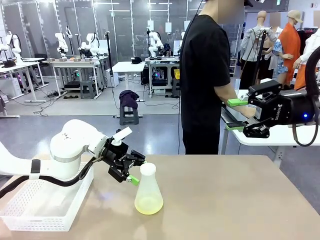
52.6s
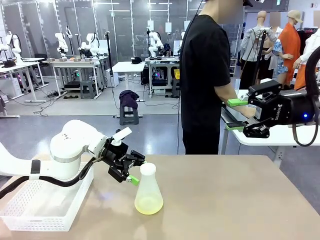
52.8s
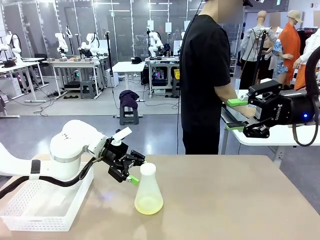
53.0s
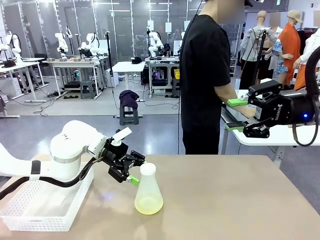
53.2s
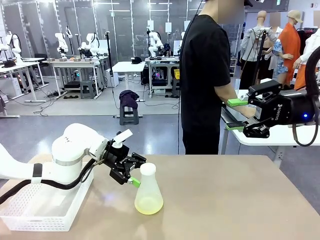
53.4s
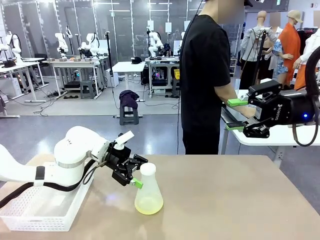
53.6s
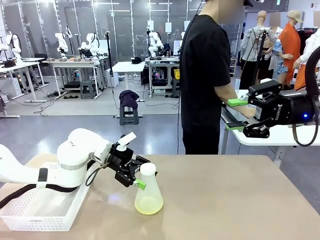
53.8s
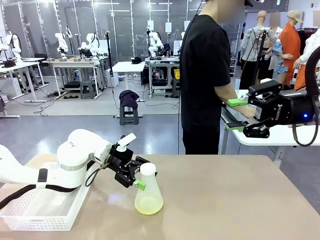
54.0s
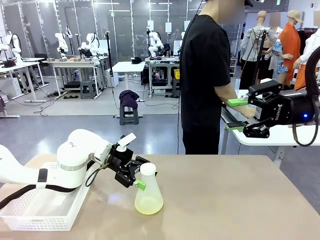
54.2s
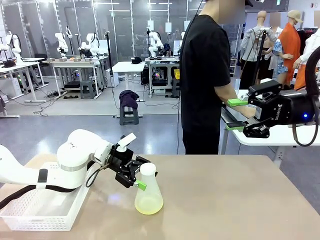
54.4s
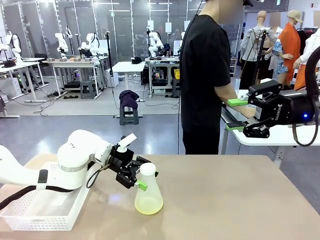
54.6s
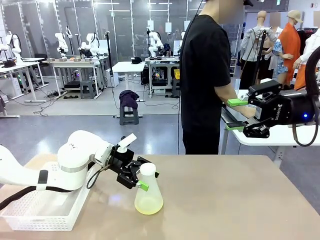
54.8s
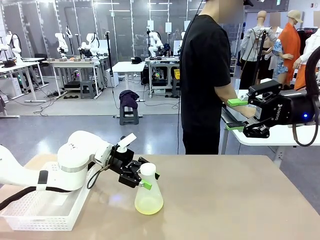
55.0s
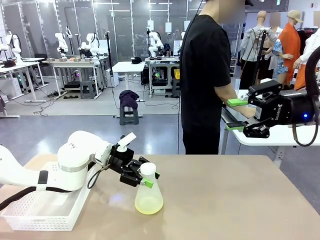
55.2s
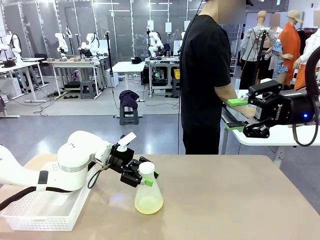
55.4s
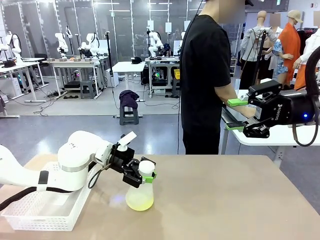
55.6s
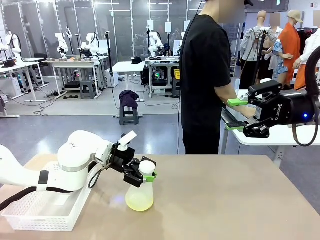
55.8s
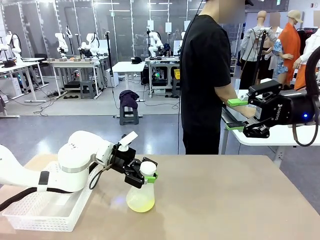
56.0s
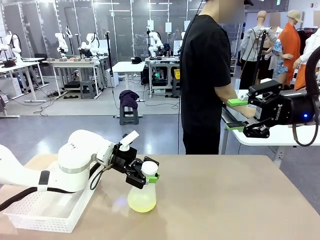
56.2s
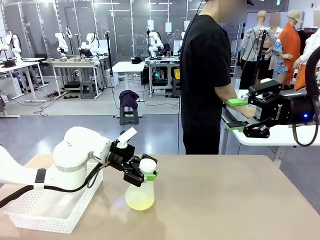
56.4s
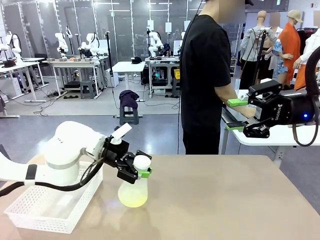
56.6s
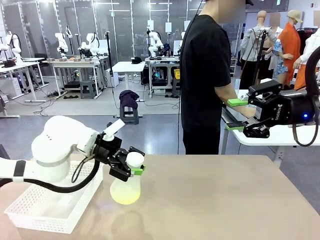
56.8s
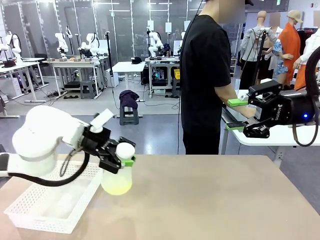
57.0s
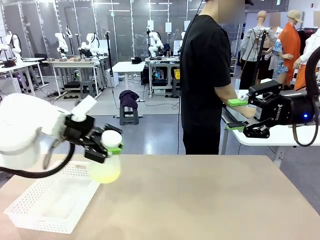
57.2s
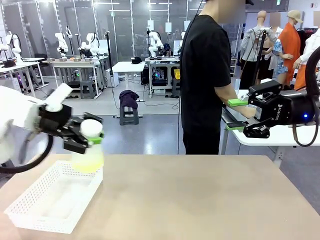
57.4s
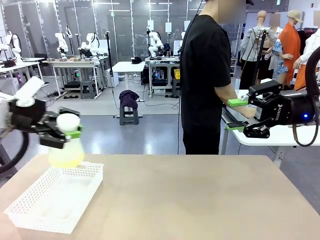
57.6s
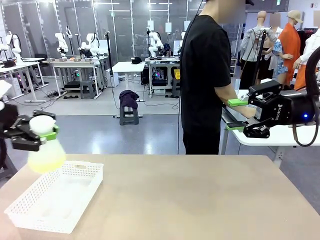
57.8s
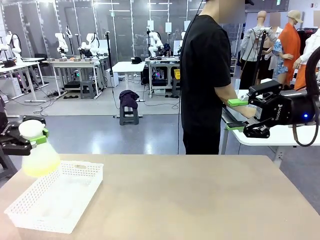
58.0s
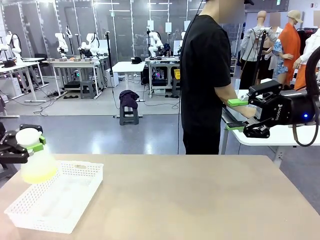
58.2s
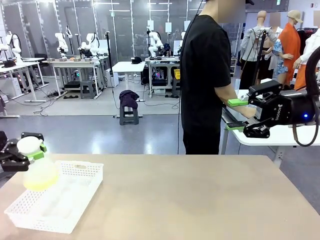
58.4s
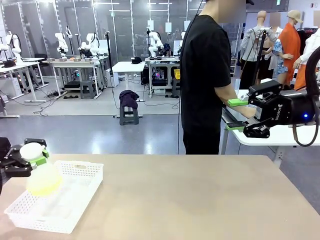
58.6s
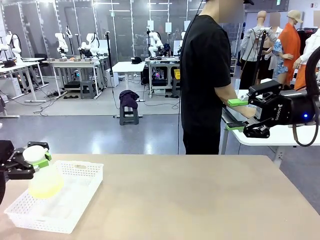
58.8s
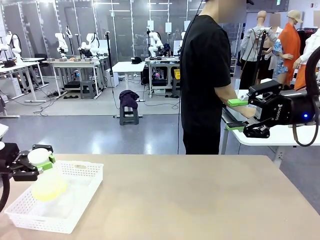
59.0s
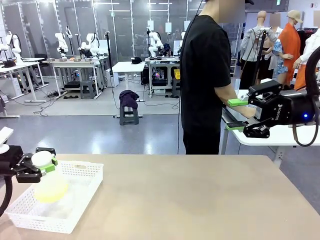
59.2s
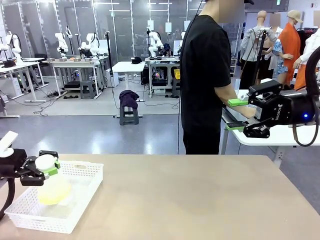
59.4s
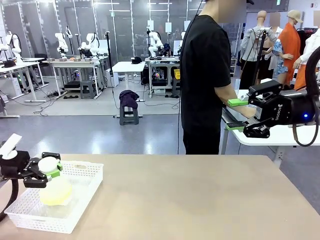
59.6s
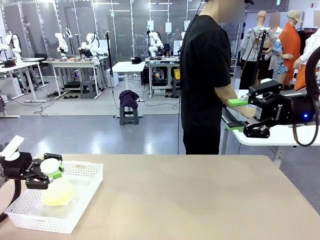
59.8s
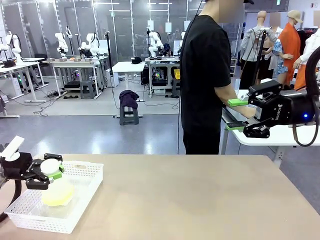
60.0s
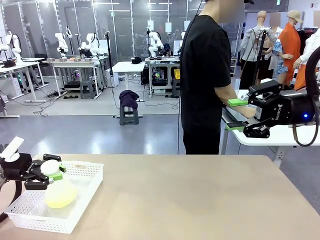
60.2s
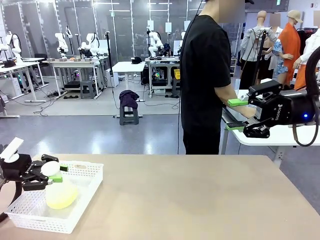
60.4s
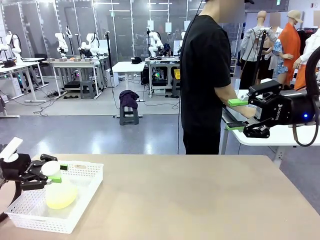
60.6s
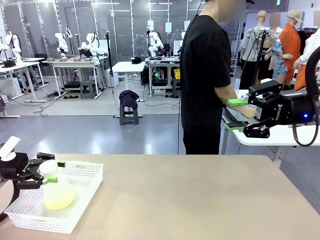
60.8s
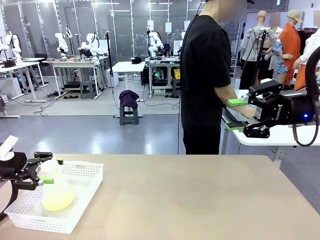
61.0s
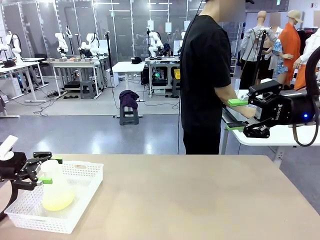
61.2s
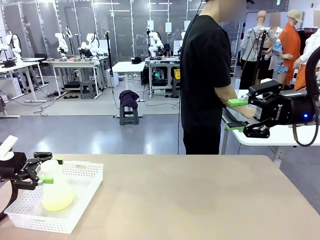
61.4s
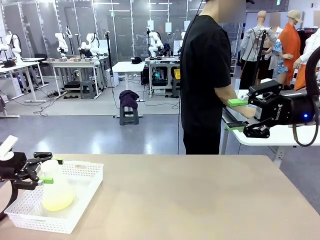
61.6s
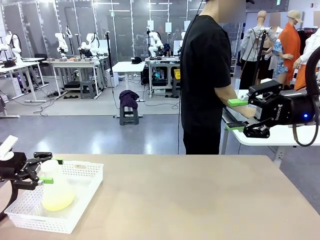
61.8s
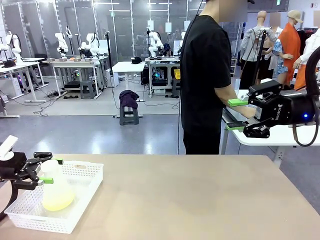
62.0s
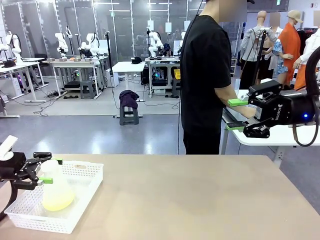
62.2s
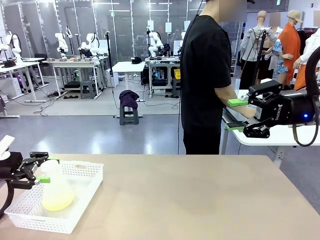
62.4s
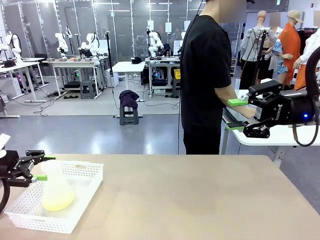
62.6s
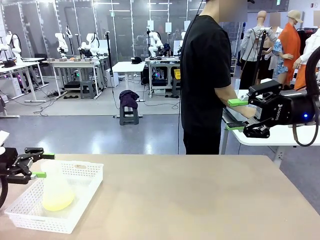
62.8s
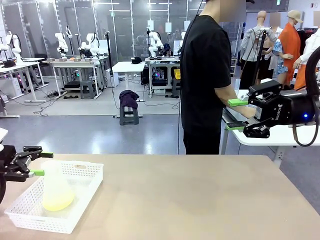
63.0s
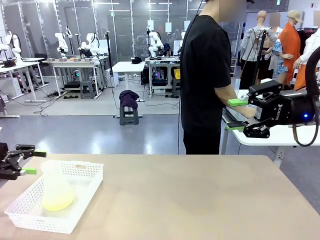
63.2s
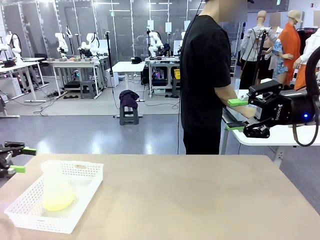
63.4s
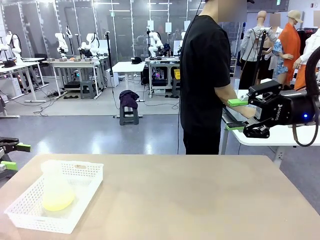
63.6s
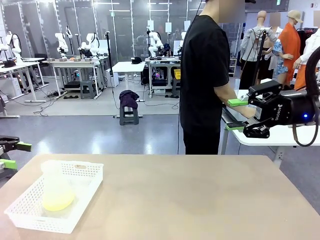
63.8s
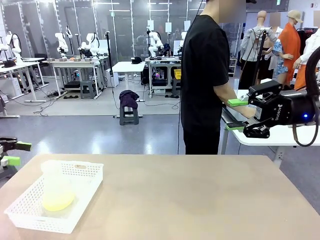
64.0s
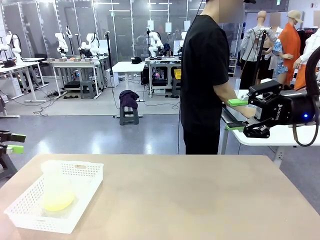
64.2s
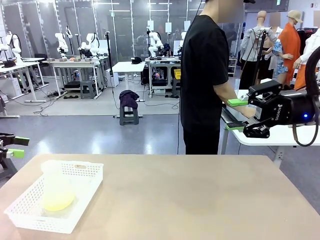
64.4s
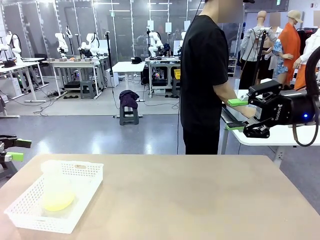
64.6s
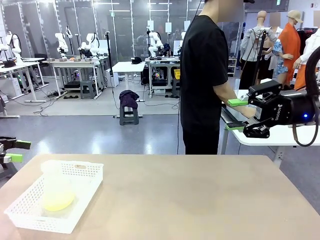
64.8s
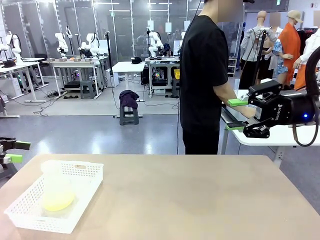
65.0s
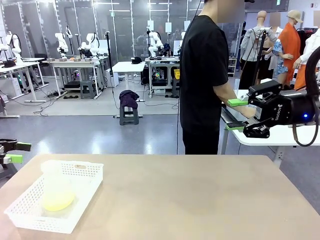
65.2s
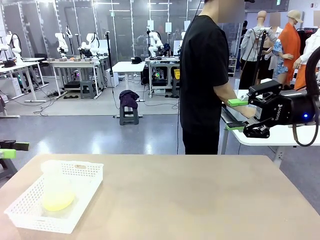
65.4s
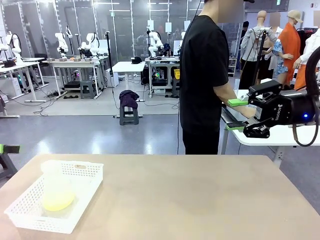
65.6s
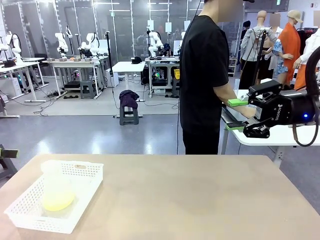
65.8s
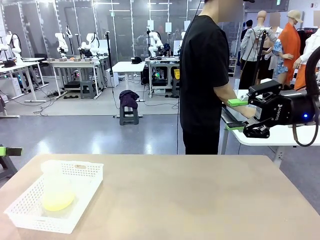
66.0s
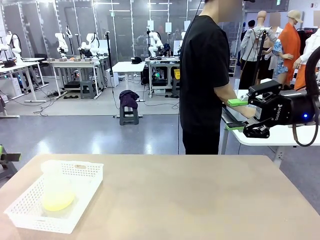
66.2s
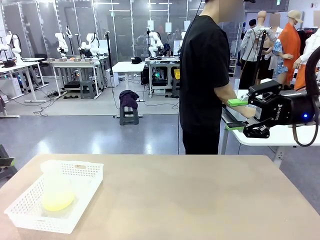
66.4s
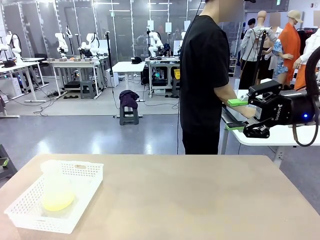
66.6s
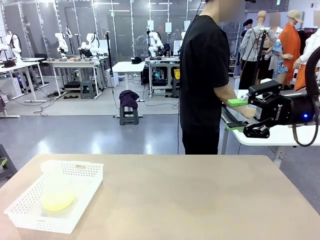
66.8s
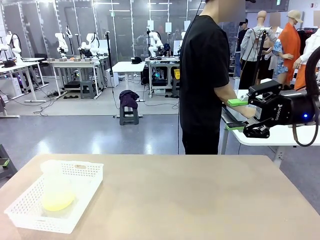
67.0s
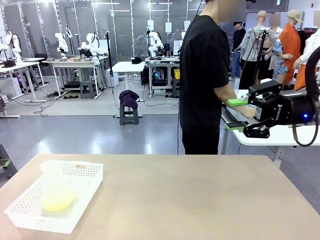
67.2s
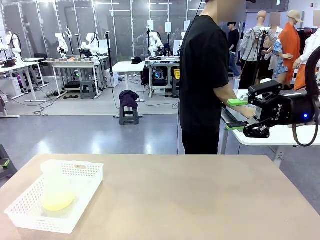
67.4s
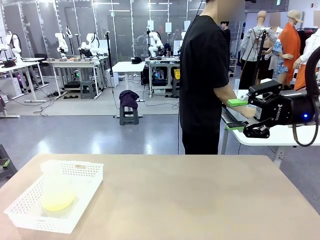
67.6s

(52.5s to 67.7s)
Task: Prepare the solutions needed for the experiment.
Robot: When the human places the Big flask in the center of the table, pick up the Big flask and place it in the left Organizing basket.
Person: Pick up the organizing basket on the left side of the robot table and place it on the left side of the human table.

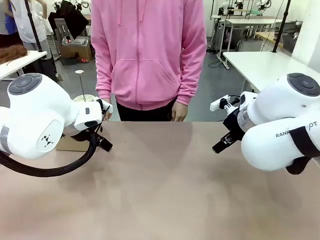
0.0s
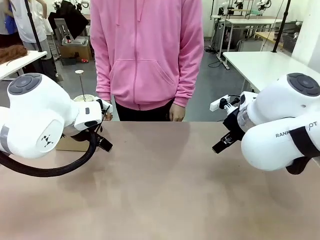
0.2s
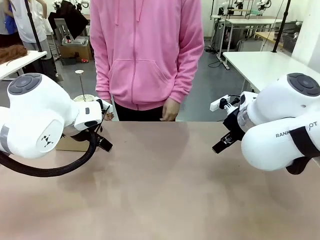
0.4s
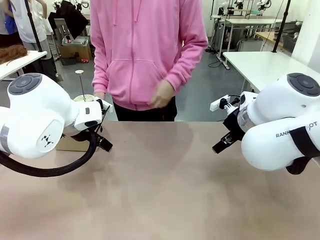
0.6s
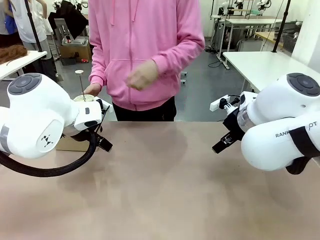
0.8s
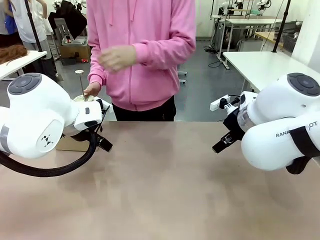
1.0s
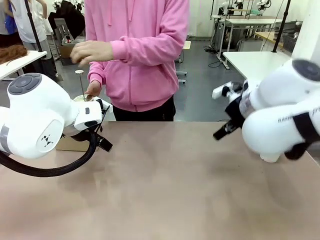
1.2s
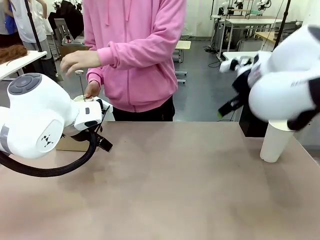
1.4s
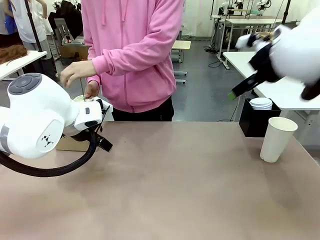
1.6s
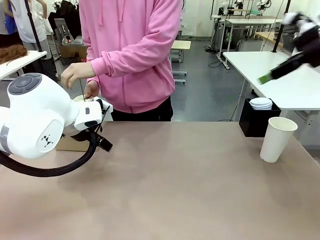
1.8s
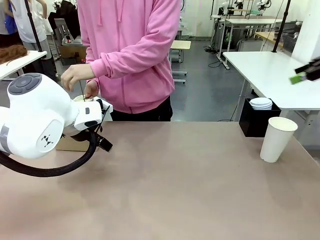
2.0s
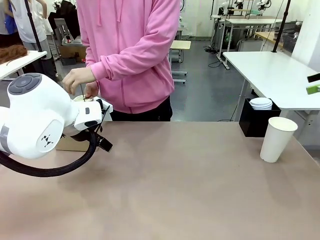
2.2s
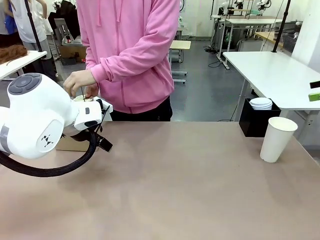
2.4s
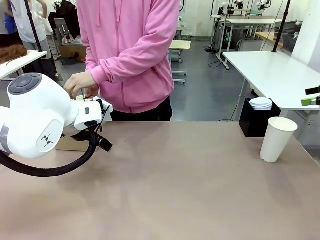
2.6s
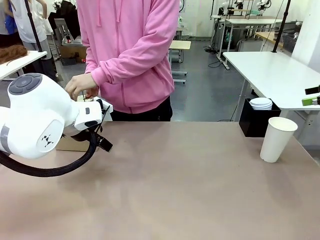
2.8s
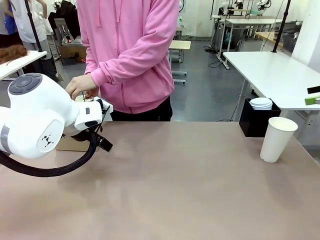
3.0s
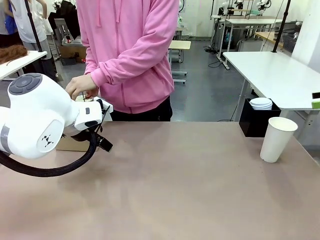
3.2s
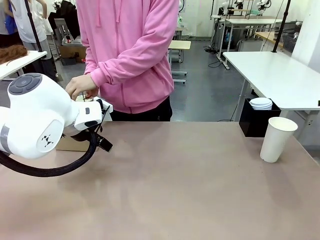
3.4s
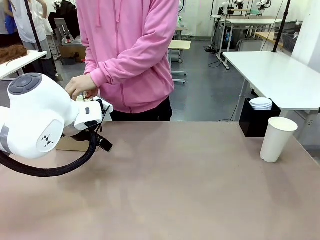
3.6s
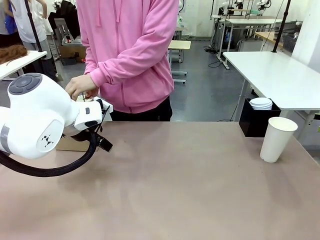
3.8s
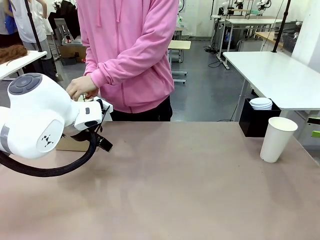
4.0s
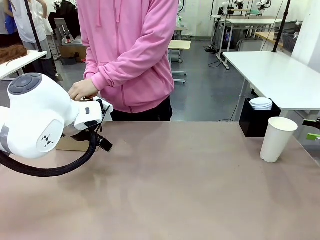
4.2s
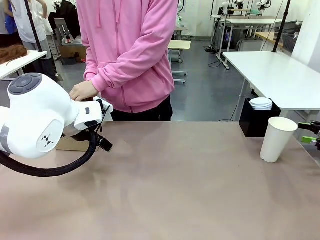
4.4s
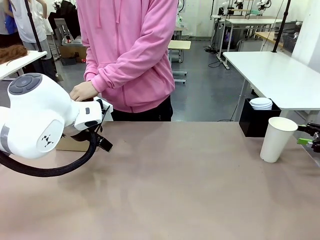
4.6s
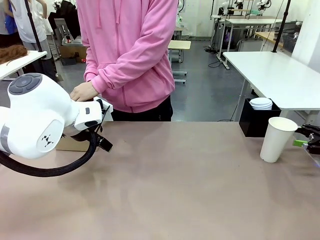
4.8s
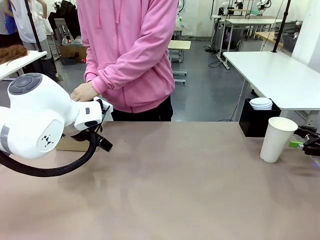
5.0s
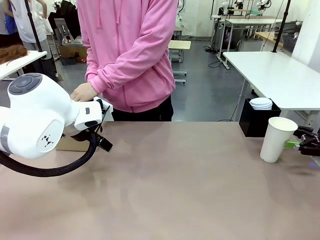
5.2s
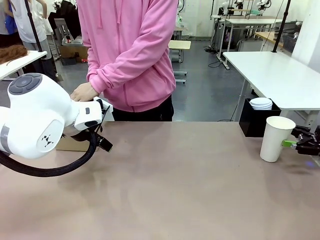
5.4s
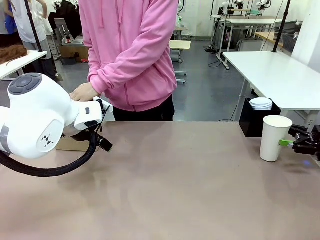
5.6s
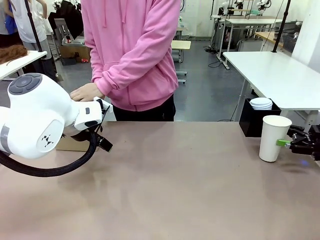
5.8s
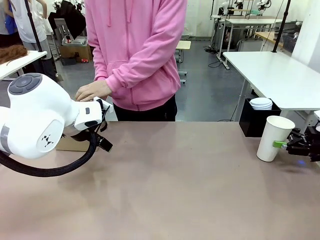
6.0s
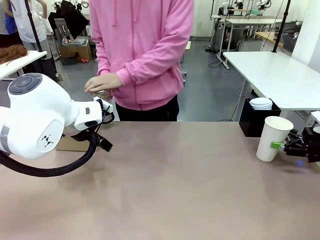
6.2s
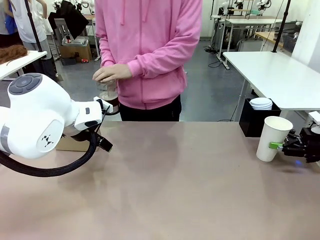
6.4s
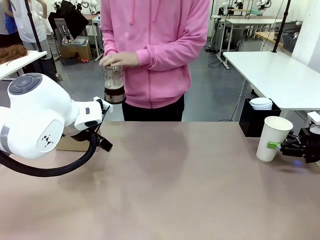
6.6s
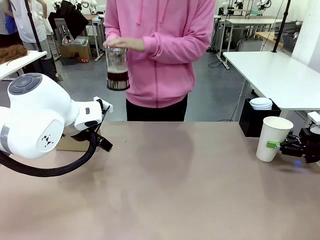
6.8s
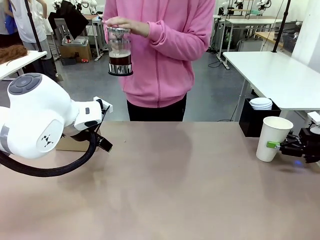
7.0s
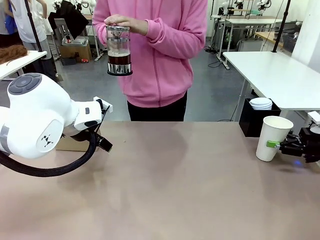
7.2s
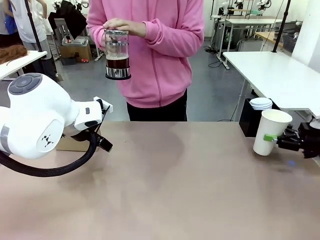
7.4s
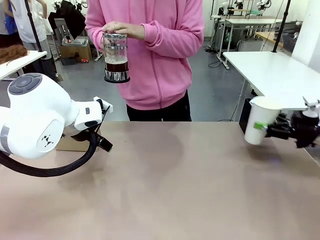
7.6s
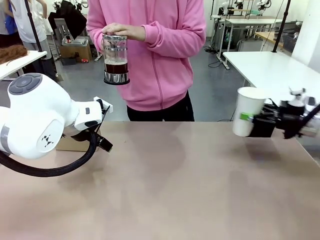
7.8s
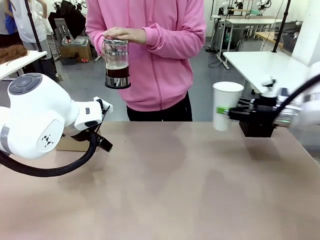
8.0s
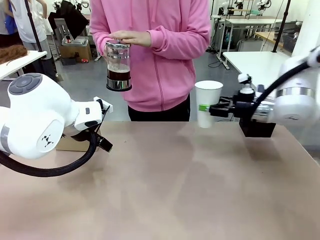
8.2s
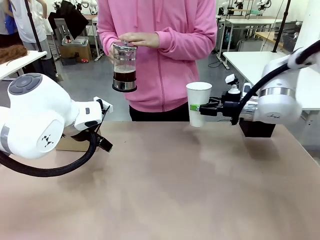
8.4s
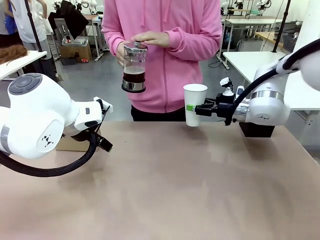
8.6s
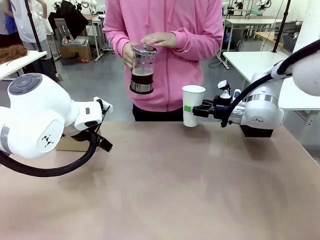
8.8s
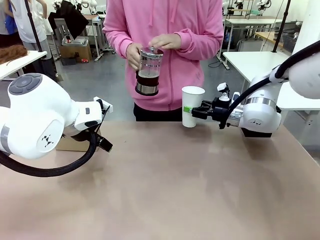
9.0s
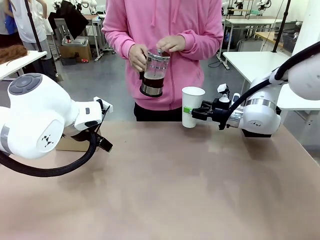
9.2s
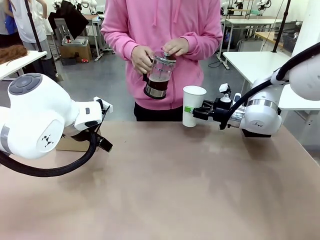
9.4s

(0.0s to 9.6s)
Task: Pour a drink into a cup and package it in a carrier.
Robot: Pick up the 600 ml Paper Cup and place it in the middle top area of the table.
Person: Press and pick up the Filter Brewing.
